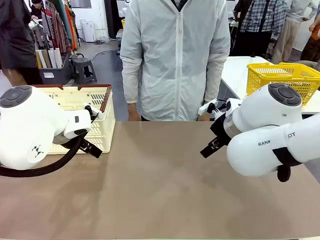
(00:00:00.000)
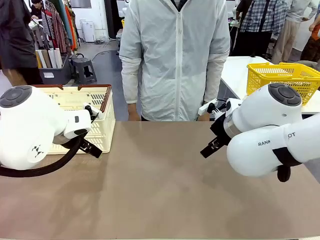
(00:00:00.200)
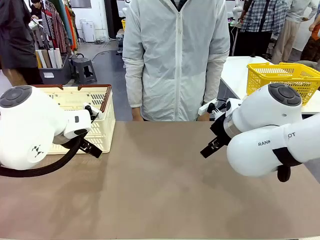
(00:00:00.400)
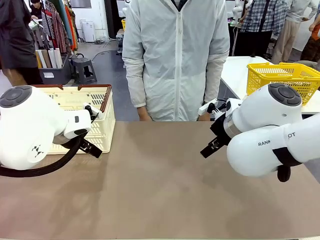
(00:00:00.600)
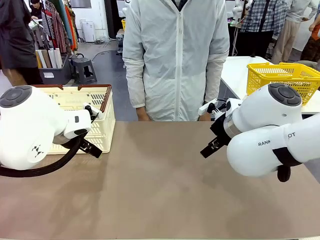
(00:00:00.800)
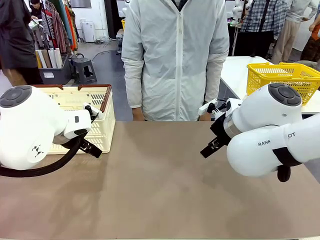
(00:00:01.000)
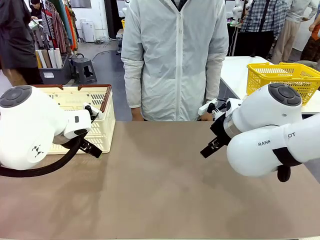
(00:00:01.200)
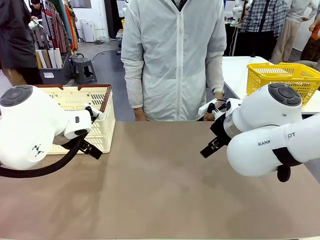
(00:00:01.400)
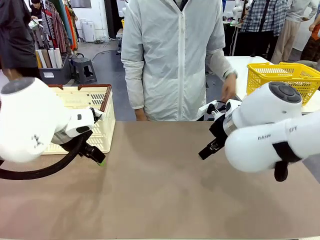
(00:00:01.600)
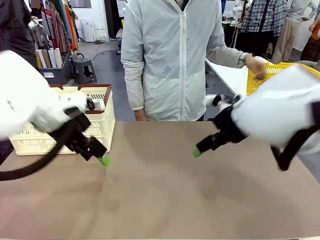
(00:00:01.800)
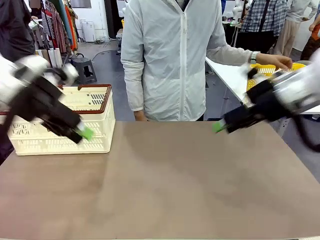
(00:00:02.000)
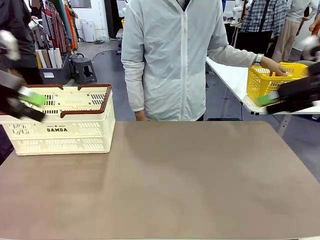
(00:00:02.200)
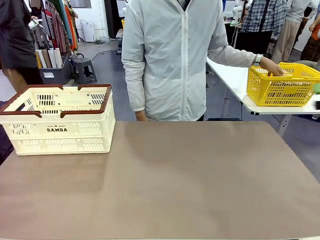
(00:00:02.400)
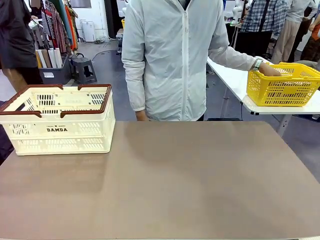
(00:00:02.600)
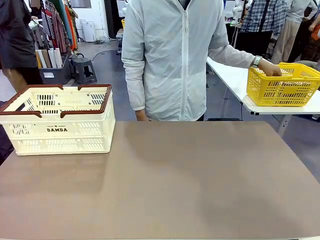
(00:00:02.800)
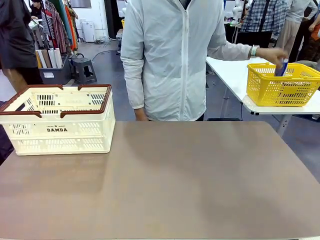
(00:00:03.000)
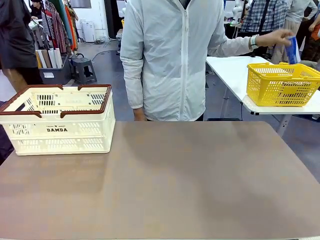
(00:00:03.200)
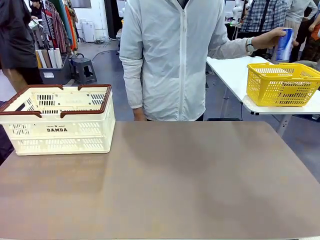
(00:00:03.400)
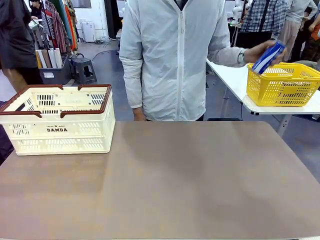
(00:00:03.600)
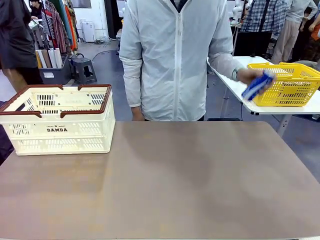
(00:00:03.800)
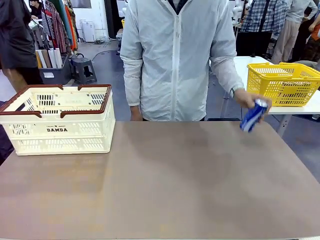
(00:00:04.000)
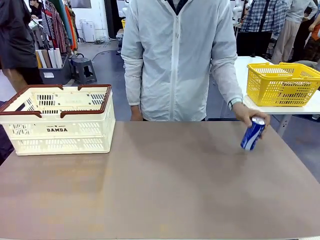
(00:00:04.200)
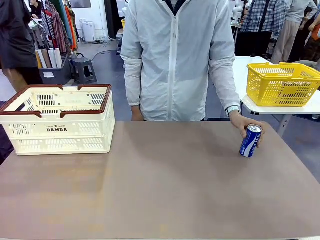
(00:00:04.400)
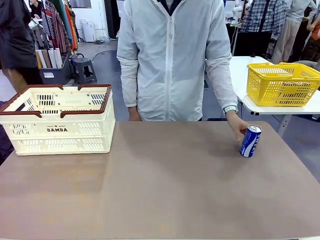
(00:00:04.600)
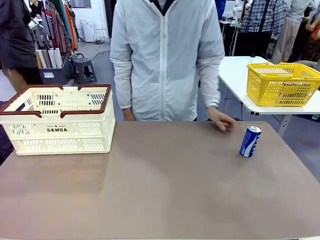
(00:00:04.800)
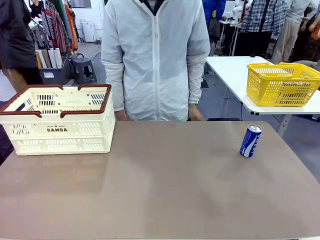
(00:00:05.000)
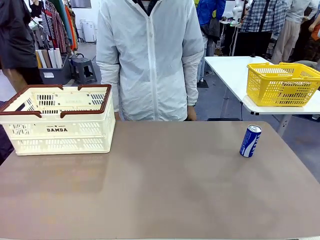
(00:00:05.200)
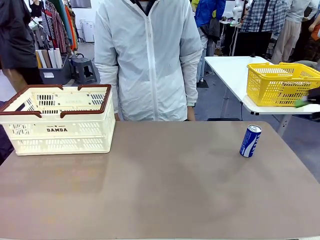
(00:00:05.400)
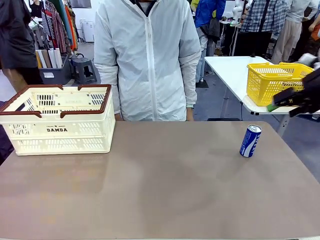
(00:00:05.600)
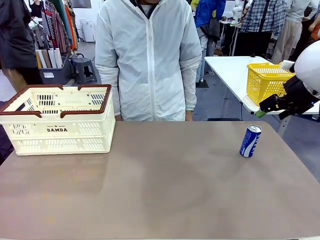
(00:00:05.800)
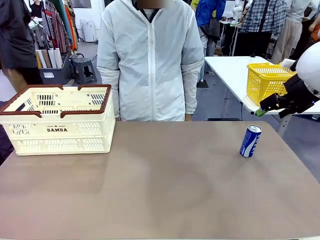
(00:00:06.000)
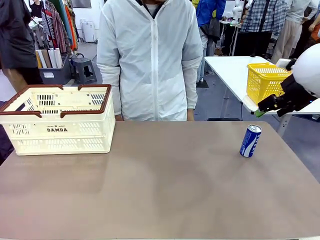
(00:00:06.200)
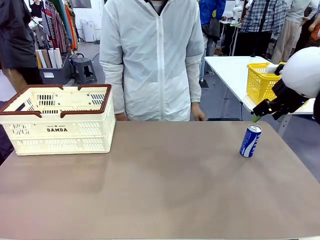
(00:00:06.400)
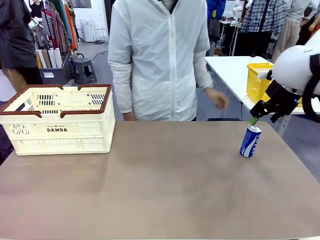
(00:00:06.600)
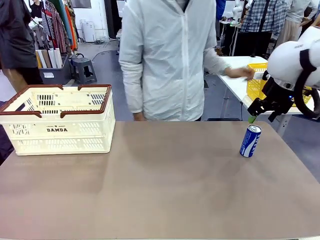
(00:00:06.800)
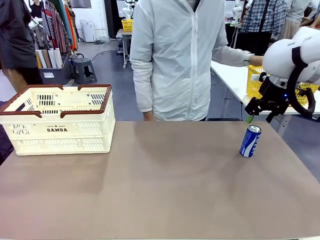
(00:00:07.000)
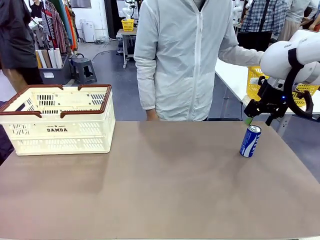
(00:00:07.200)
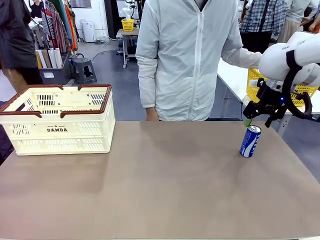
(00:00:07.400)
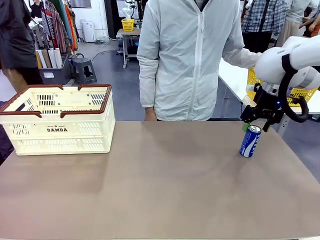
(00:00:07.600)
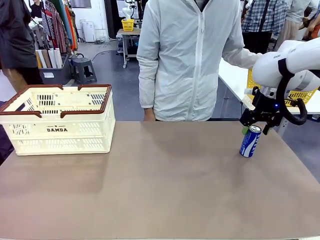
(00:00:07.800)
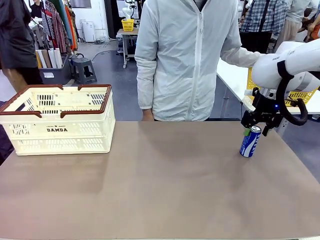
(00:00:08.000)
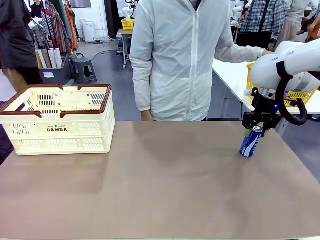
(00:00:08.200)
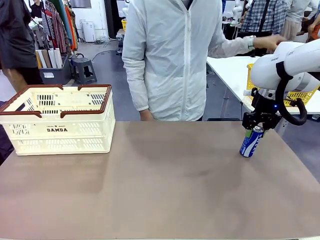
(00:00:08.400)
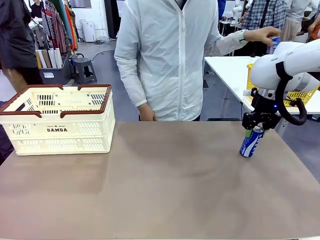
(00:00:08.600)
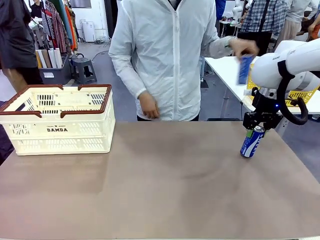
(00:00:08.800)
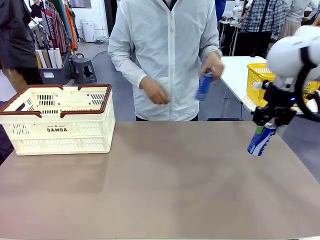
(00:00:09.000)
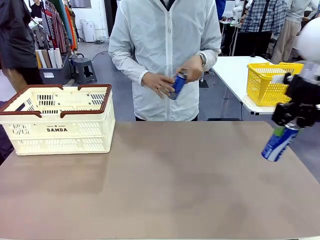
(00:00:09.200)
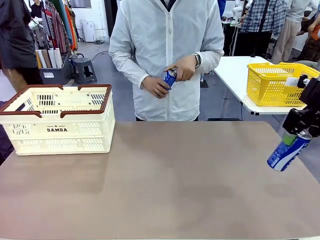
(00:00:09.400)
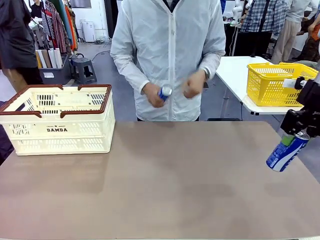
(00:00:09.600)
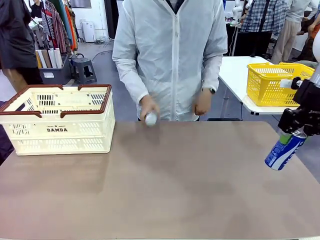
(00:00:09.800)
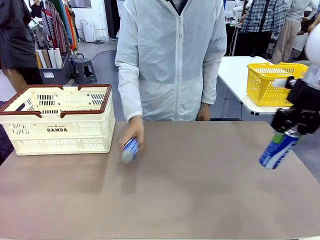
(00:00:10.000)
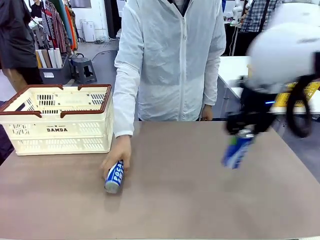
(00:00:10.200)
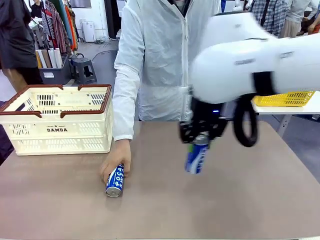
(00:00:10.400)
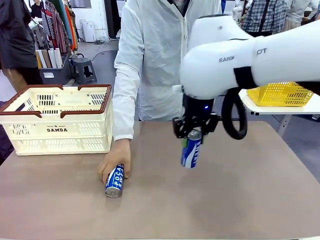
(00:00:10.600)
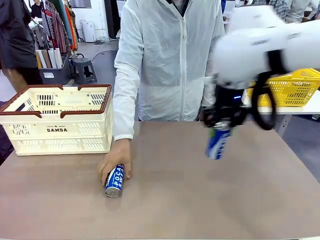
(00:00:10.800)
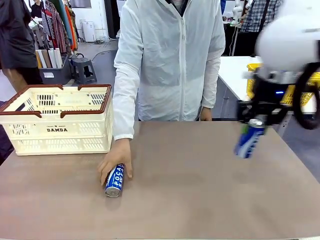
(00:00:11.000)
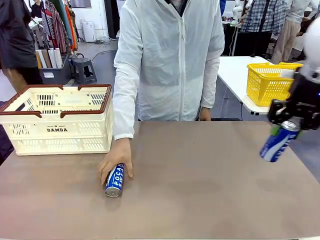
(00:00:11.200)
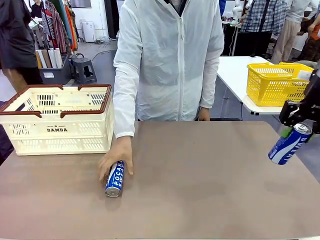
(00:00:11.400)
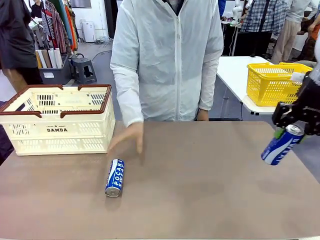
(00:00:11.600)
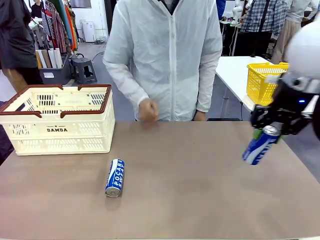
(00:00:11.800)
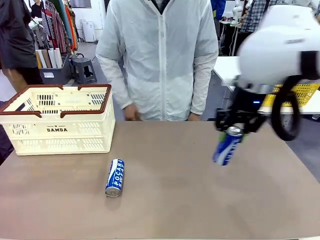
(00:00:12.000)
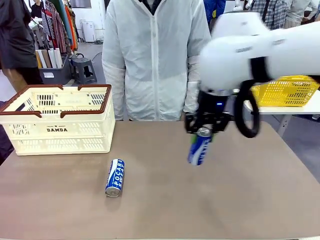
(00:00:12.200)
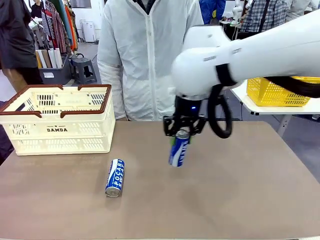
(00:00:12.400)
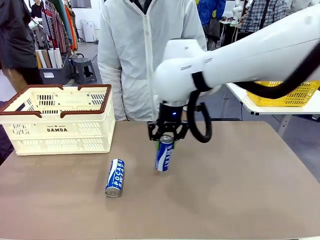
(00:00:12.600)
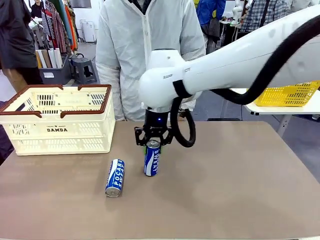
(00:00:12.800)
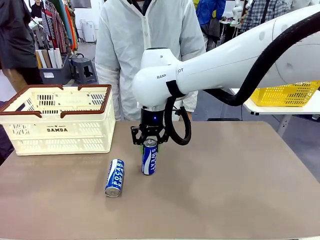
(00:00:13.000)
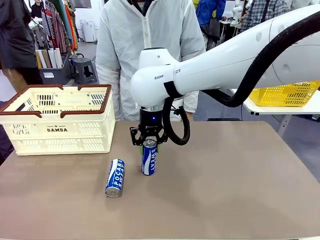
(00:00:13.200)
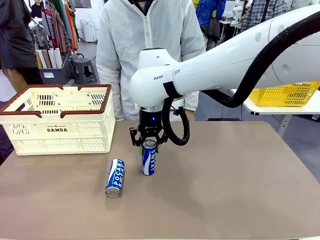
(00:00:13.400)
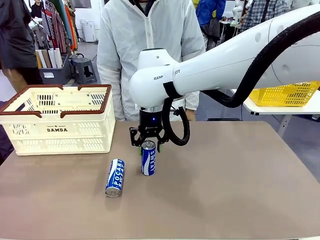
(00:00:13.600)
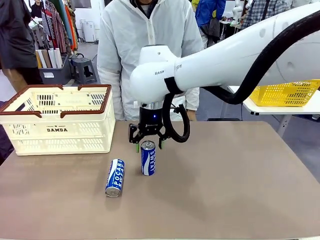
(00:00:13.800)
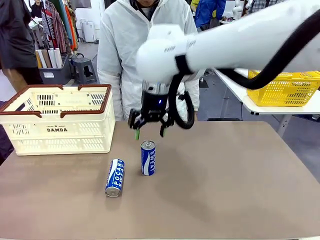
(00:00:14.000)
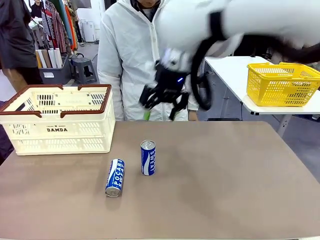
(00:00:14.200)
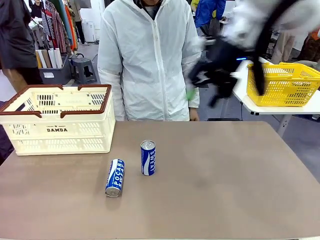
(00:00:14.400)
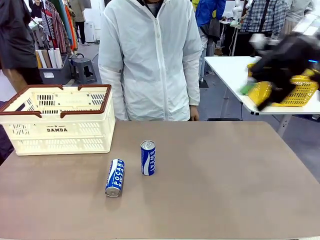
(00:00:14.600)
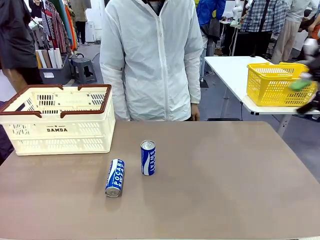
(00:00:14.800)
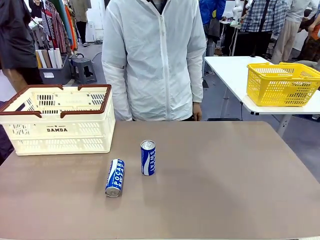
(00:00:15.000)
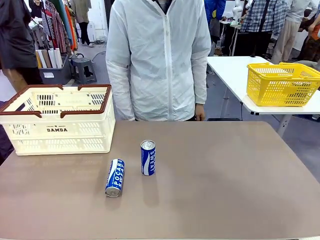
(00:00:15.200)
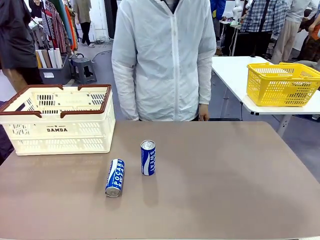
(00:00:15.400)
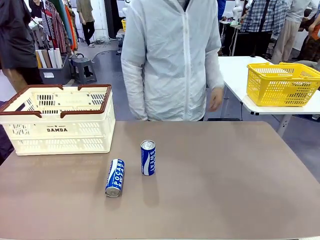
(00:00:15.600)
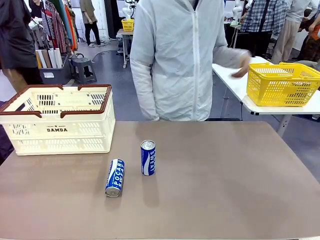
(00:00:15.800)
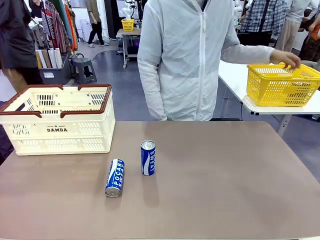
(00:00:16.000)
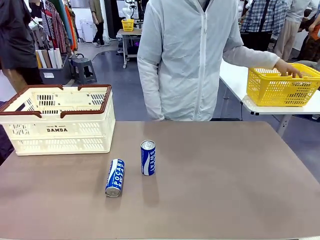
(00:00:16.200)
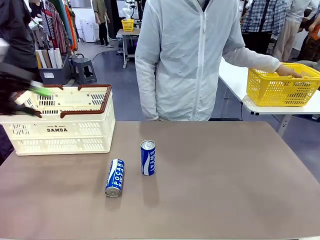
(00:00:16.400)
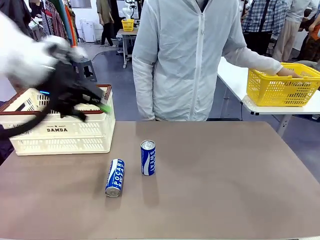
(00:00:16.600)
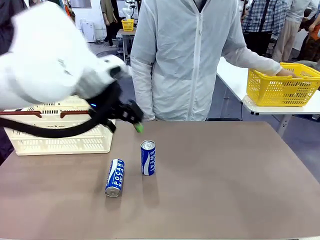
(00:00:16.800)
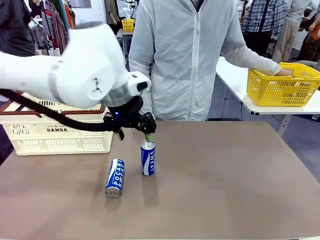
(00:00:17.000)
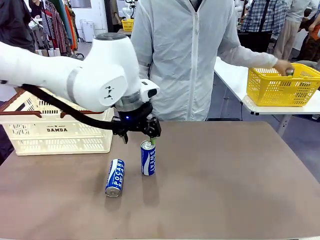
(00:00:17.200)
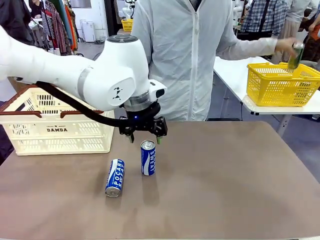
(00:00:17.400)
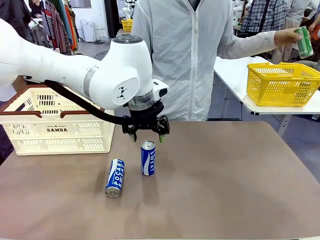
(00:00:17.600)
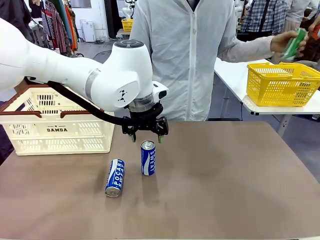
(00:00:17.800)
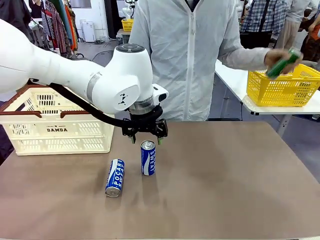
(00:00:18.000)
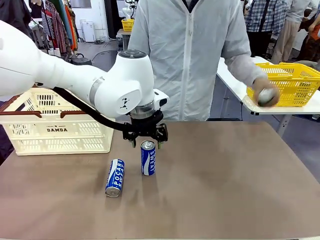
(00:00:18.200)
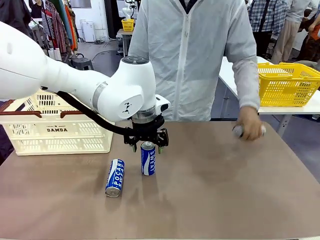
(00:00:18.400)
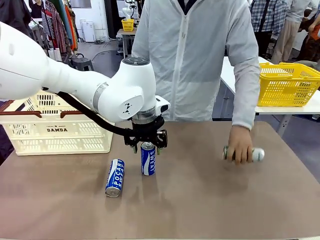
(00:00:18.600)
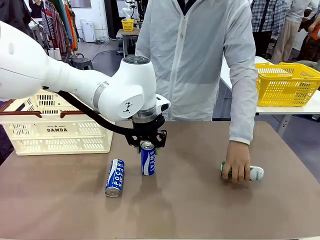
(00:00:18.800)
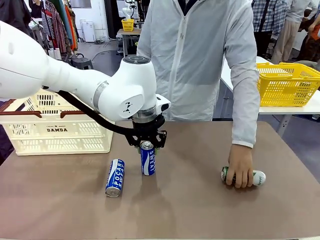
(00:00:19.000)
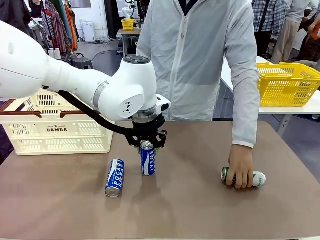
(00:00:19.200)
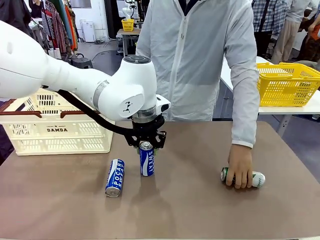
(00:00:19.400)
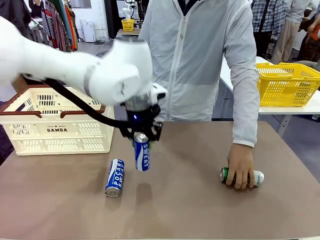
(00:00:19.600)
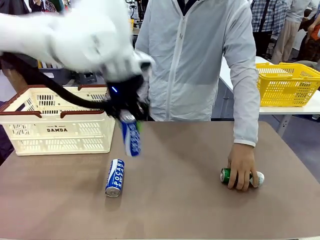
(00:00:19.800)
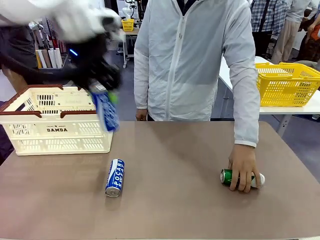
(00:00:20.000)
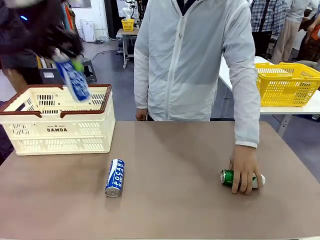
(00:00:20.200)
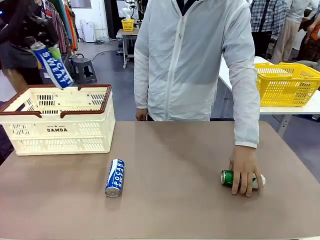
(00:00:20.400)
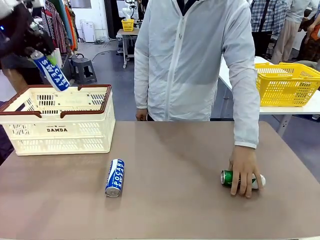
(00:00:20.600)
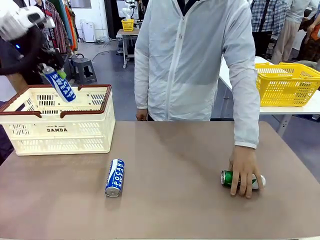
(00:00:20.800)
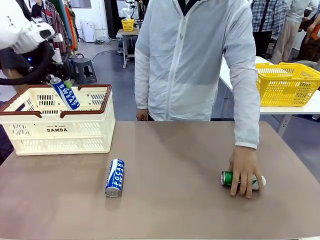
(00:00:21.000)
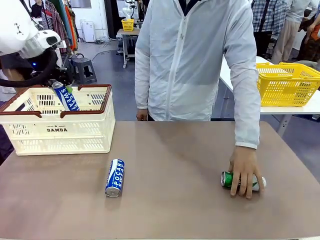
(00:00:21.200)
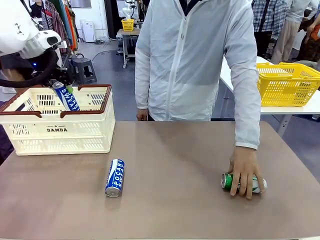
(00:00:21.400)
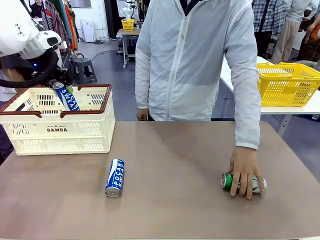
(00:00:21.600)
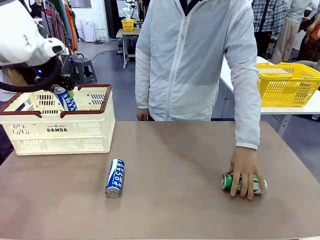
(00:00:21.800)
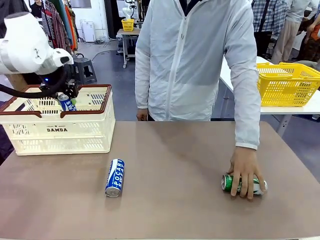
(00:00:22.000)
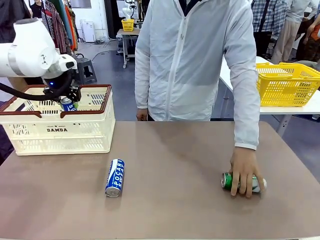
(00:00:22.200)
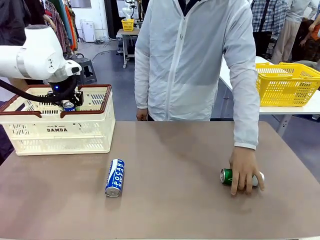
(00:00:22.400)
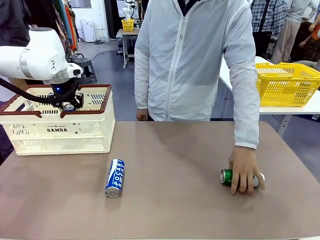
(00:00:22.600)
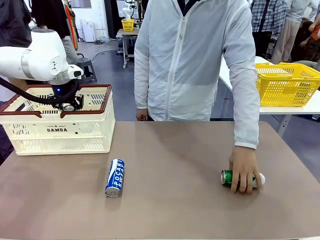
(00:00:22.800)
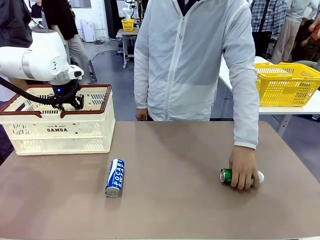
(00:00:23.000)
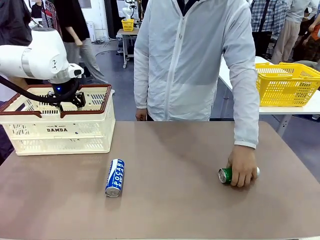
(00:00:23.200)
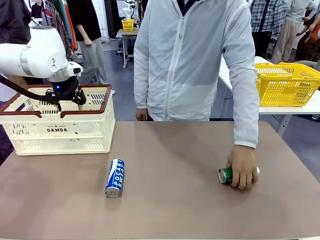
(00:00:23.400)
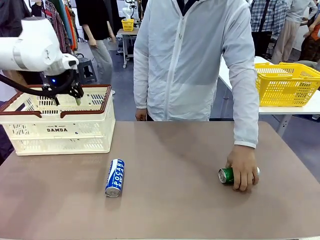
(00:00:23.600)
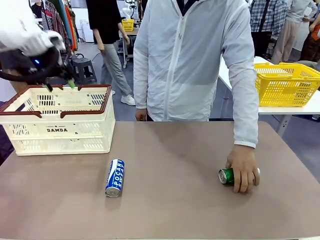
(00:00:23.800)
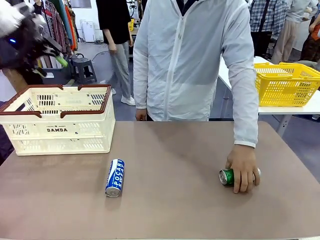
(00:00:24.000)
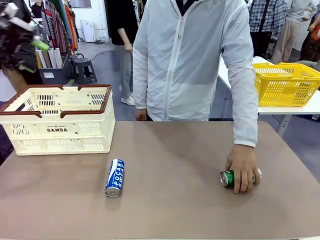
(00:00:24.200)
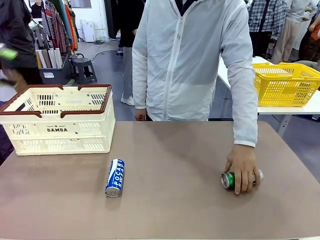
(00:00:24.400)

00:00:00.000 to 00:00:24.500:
Task: Place the drinks into the Shopping basket.
Robot: Pick up one drink and place it into the Shopping basket.
